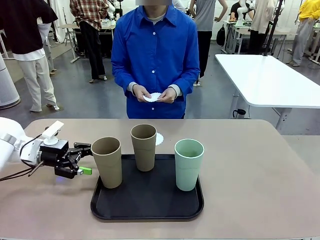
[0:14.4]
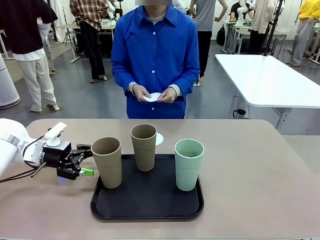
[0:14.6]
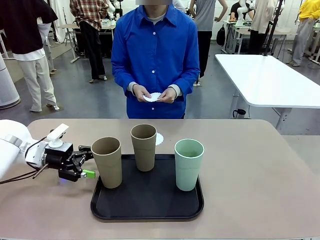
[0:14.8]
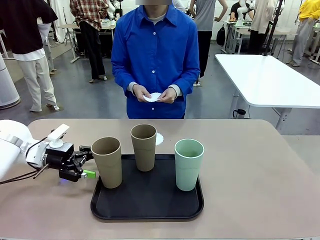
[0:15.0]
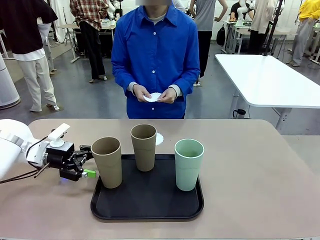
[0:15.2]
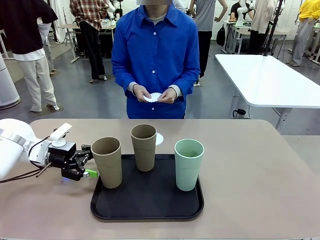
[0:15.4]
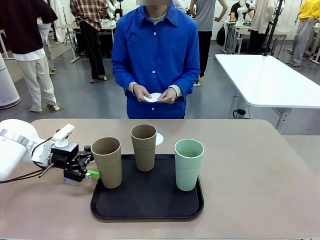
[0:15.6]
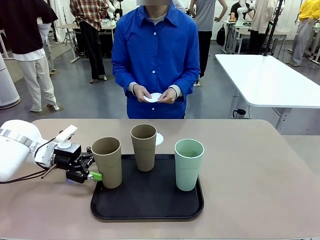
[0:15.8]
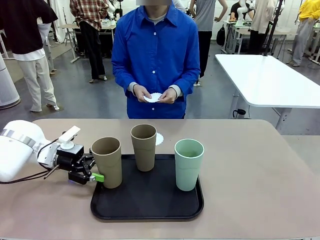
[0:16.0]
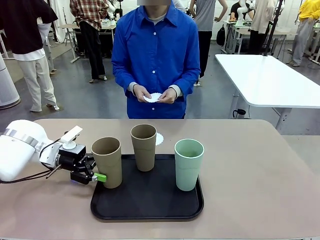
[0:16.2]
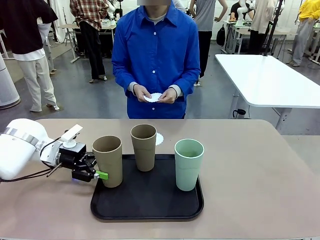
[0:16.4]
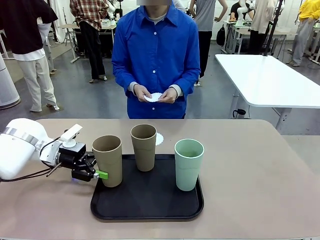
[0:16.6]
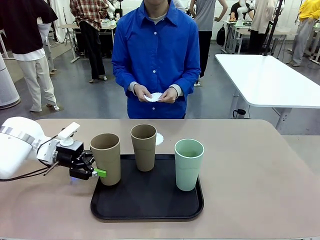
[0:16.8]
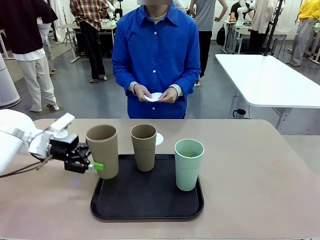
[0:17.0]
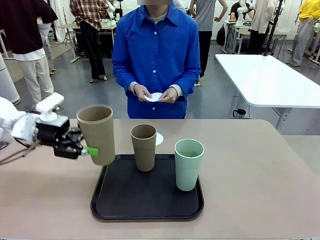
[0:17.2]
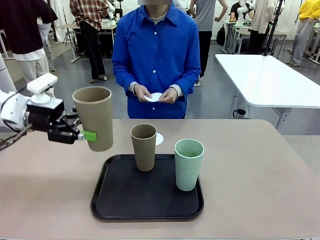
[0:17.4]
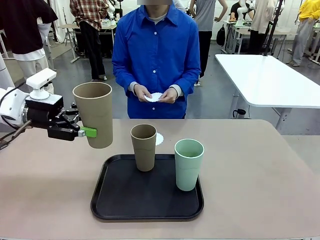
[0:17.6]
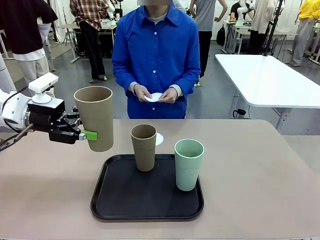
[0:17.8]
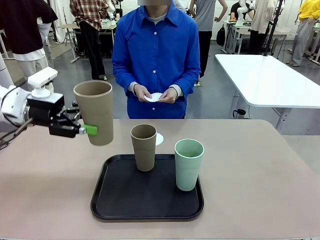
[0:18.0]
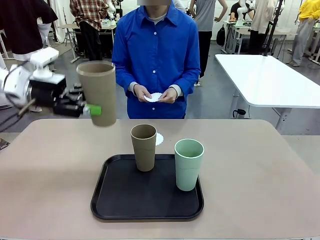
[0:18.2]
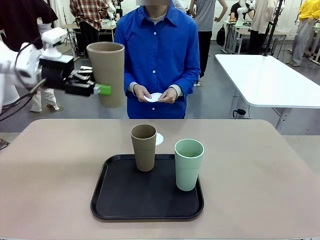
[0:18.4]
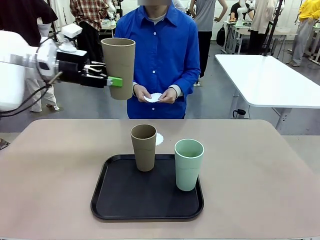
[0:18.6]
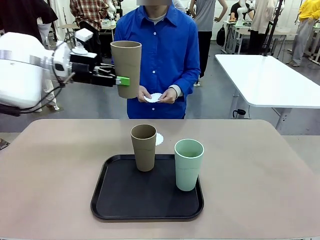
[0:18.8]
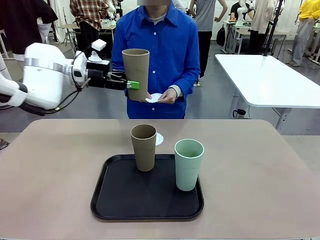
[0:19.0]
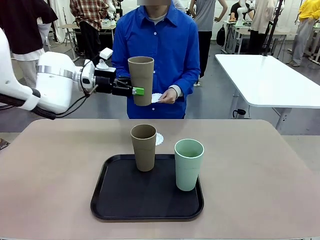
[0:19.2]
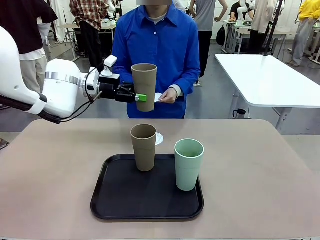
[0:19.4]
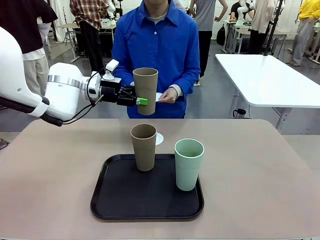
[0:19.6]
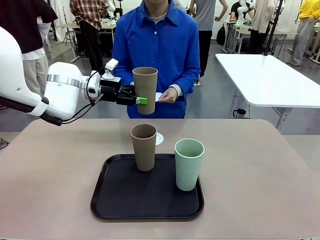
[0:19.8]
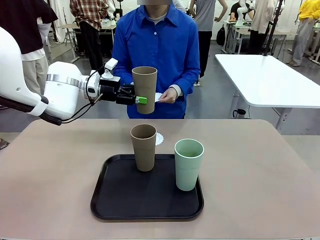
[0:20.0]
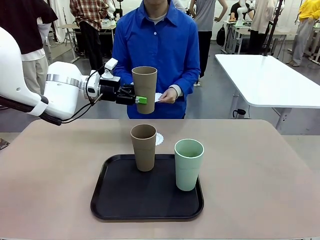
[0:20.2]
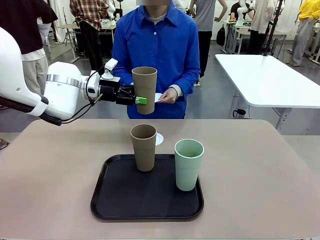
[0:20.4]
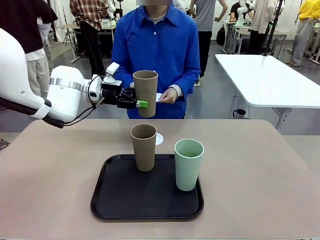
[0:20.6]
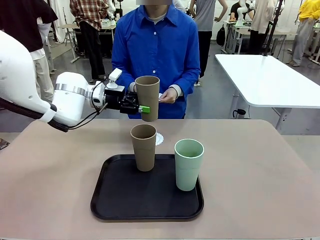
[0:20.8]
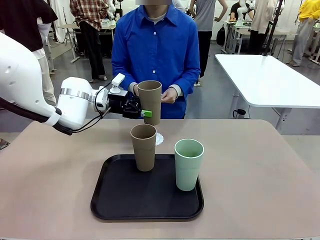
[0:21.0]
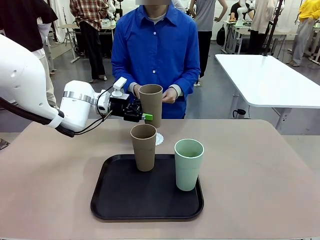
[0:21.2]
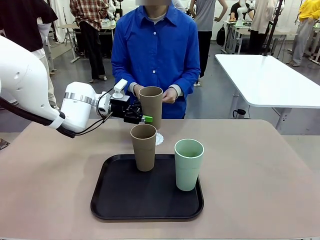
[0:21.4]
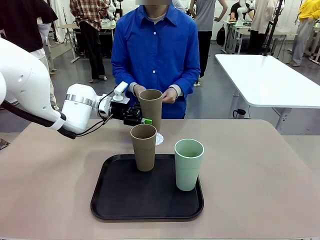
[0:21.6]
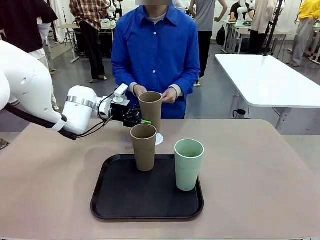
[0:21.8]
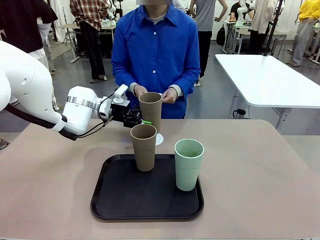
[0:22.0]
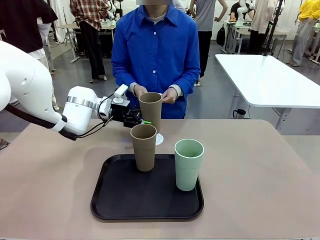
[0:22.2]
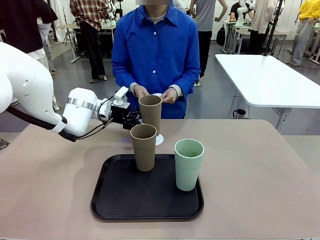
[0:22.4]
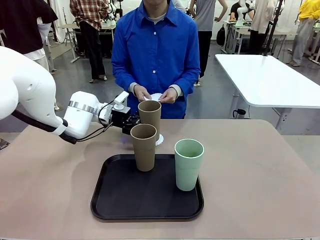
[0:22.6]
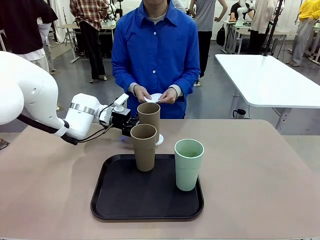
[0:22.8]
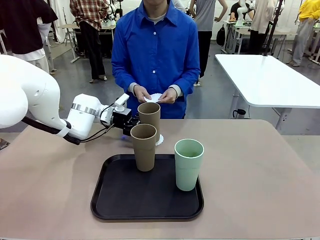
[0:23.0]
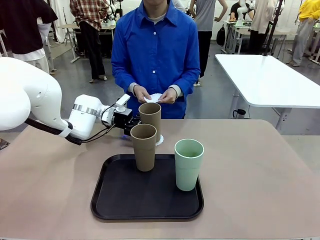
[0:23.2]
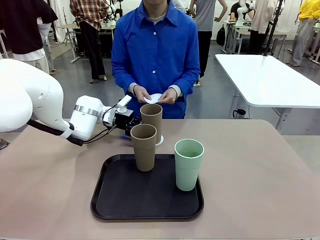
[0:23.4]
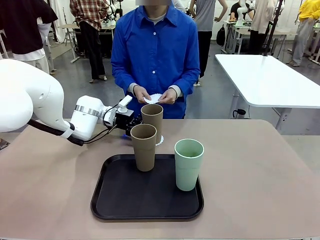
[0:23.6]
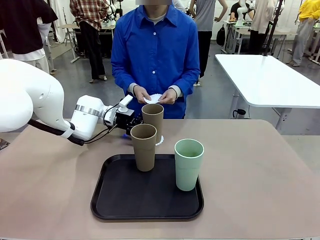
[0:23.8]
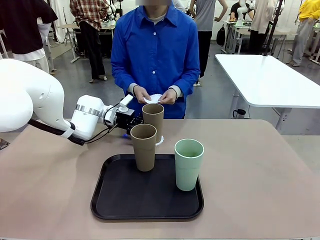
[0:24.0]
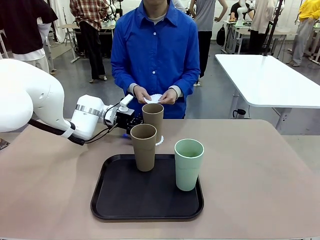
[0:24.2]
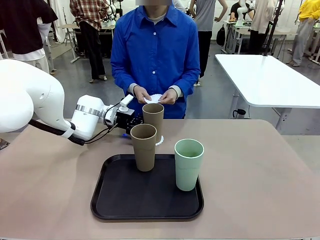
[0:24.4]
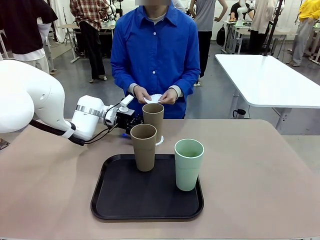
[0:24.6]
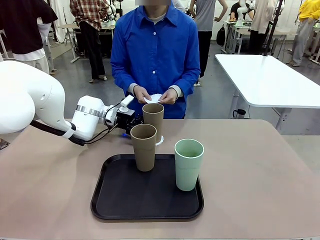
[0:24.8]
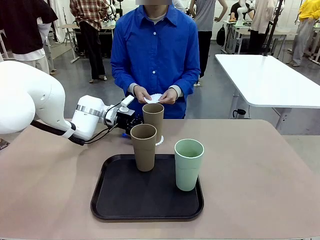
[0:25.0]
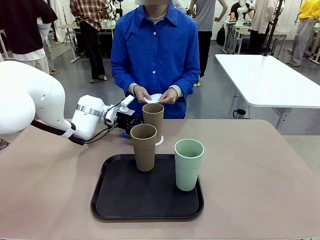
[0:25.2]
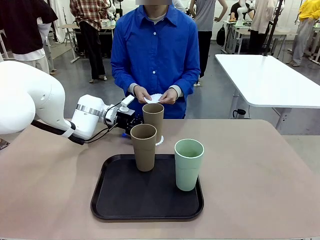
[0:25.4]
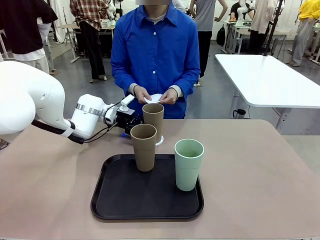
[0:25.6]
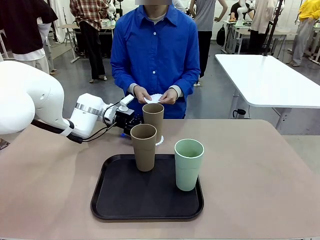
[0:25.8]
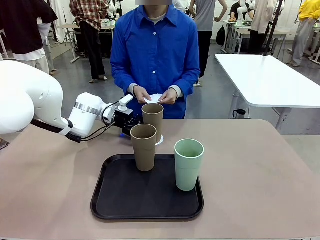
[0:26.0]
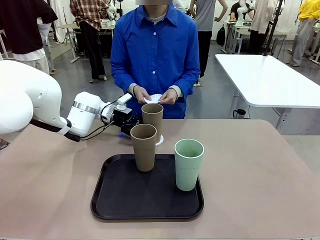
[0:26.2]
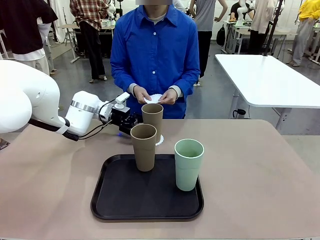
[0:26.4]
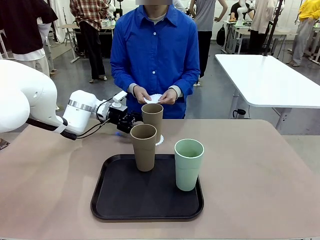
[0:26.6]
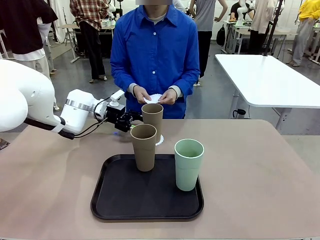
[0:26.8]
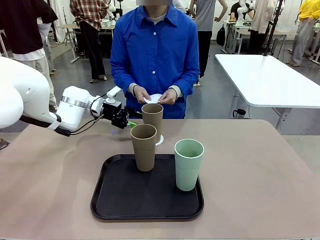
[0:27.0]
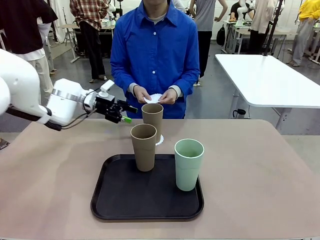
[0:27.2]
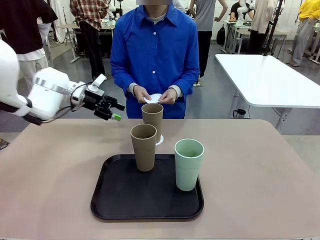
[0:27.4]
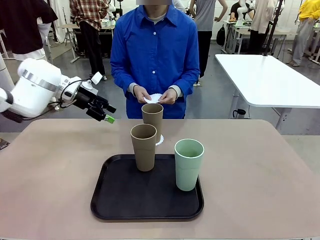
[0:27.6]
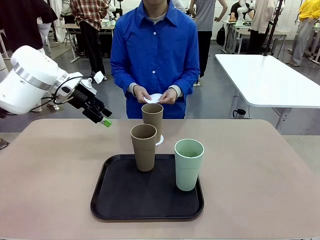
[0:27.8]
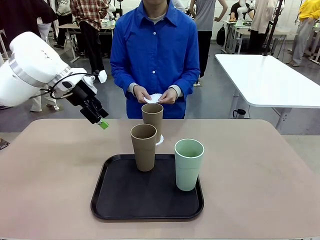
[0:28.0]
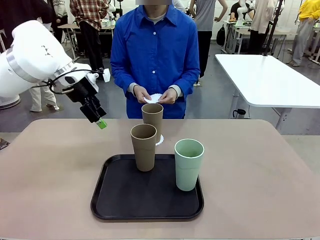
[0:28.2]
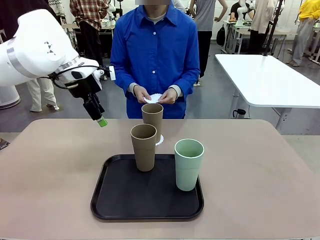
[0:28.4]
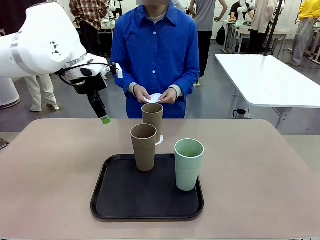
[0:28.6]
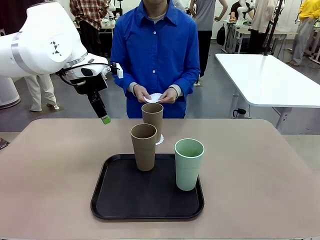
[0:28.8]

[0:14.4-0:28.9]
Task: Place coasters on the table and set cups on them.
Robot: Pick up one Reusable plastic cup and place it on a coaster set by the human.

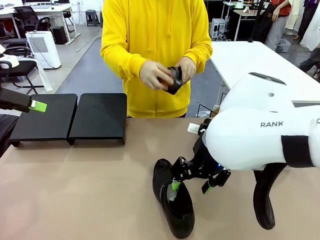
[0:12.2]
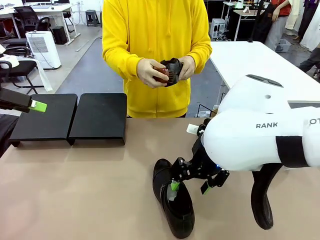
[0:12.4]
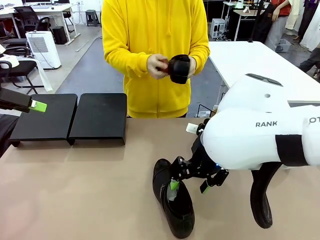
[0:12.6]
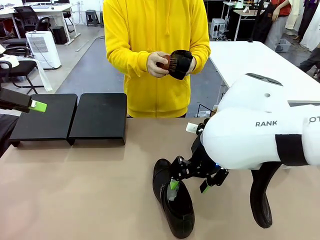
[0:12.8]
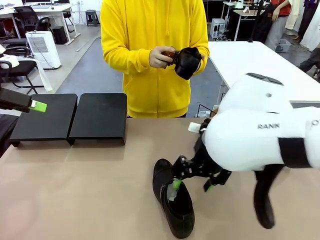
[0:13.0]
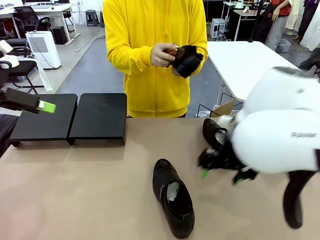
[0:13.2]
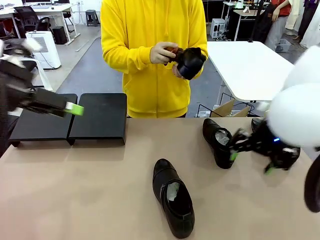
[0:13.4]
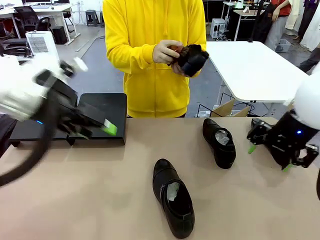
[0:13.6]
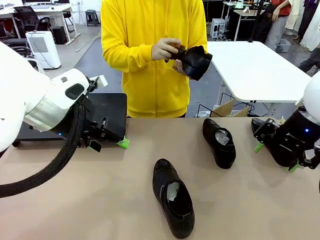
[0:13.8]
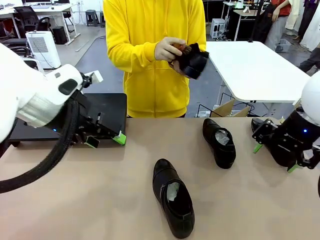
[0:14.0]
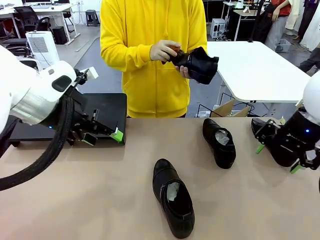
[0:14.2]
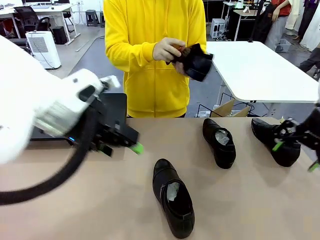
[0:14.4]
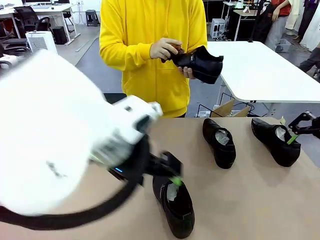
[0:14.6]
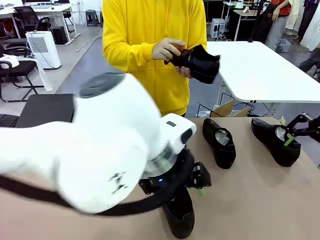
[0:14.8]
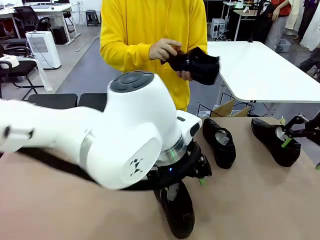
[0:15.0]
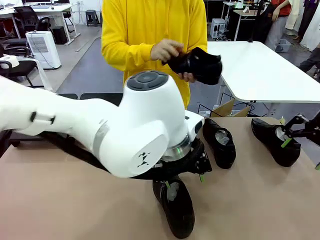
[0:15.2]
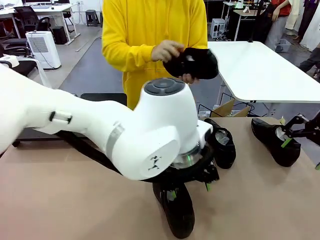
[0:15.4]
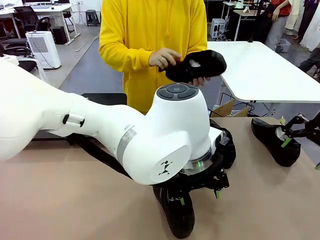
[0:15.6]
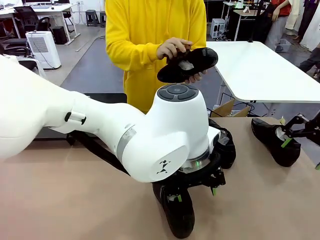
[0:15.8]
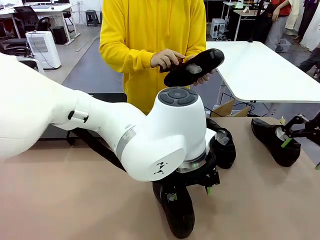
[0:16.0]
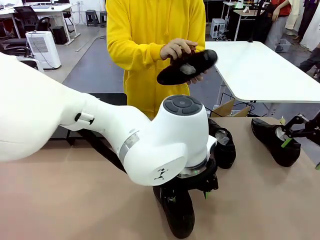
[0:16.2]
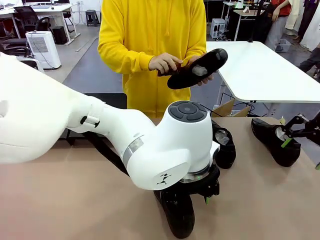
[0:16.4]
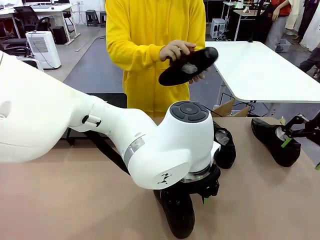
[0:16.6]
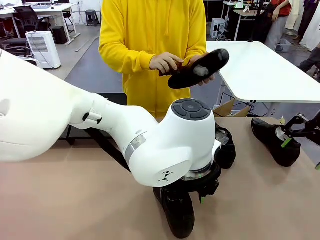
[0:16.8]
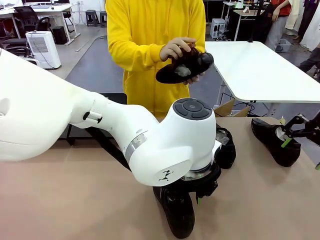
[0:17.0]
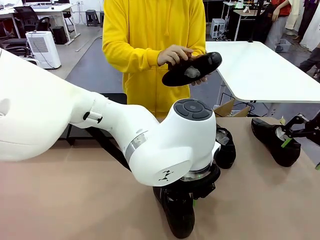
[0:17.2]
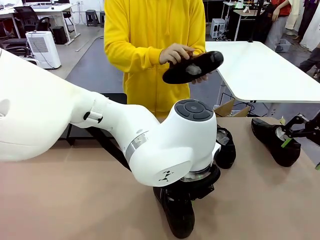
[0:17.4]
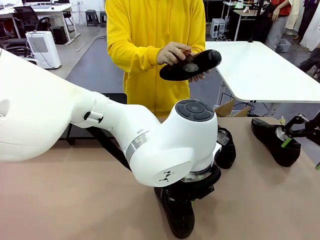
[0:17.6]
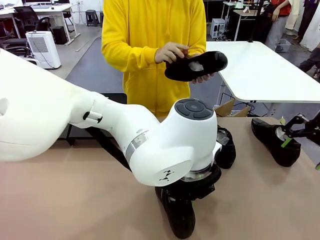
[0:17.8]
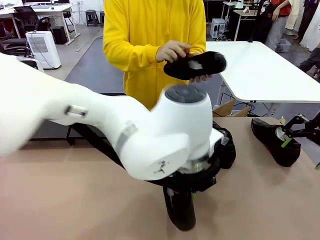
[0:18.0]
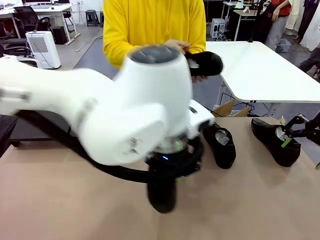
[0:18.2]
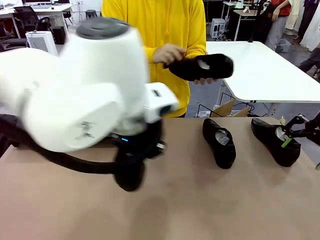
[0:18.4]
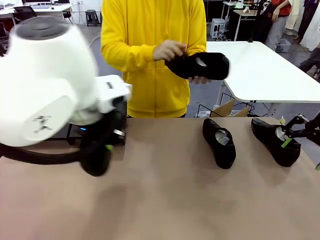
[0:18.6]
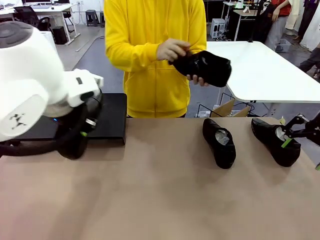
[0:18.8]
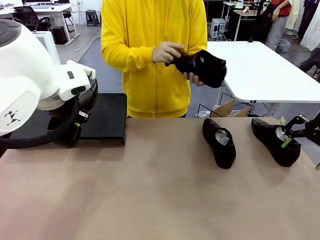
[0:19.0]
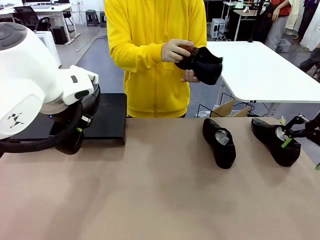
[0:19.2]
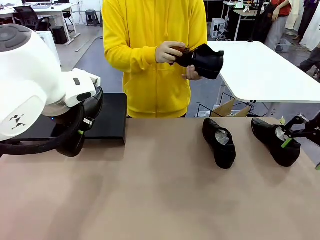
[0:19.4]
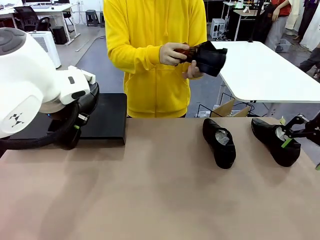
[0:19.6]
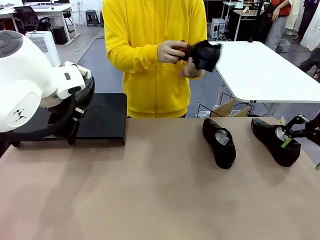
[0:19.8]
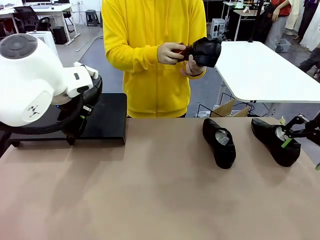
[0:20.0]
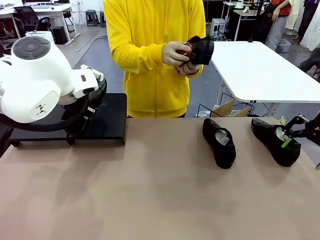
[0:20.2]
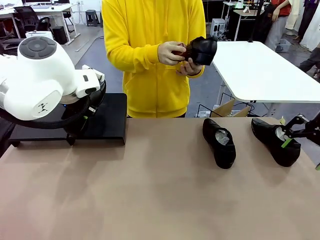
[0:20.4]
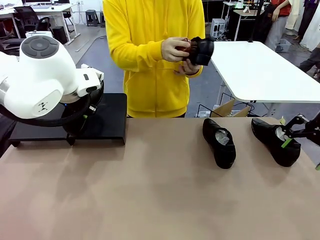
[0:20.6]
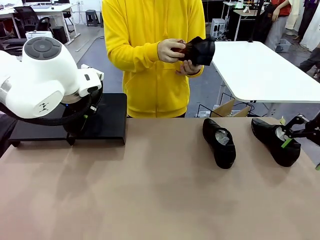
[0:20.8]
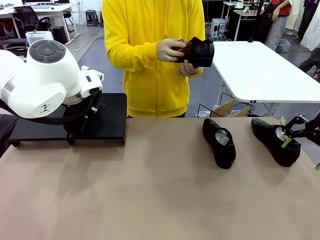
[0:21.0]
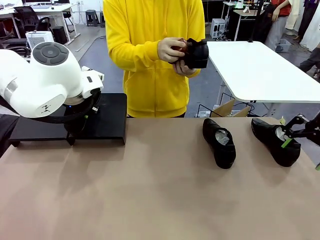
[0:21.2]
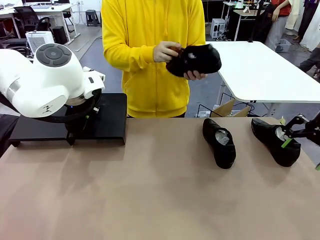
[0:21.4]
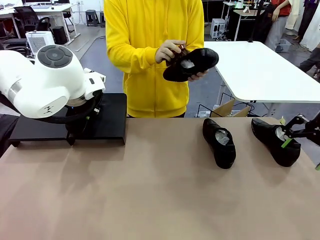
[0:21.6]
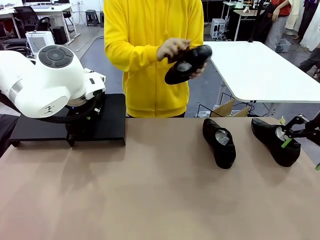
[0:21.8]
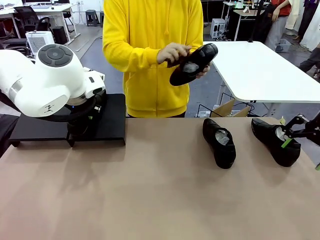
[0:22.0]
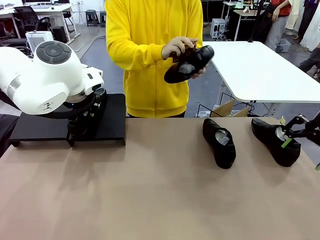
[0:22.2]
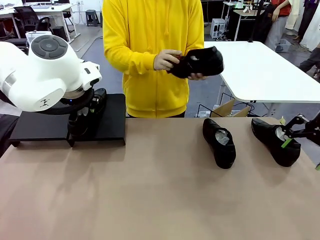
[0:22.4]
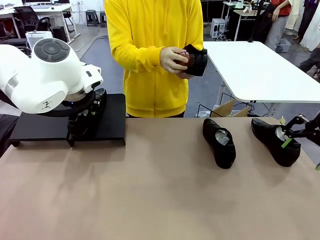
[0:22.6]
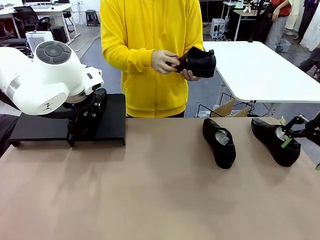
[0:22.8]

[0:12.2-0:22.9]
Task: Organize the shoes by placing them on the stand.
Robot: Place the Shoe from the middle of the table onto the Shoes Stand.
Person: Clean the Shoe with the Shoe Brush.
